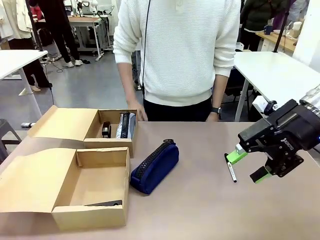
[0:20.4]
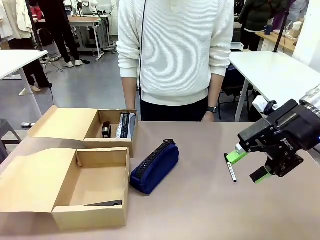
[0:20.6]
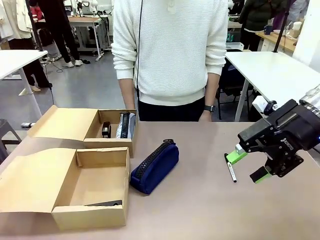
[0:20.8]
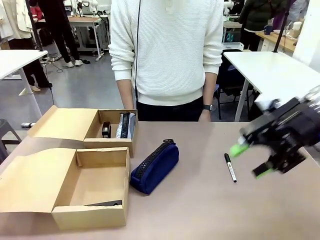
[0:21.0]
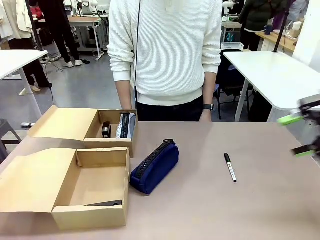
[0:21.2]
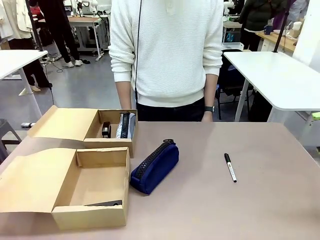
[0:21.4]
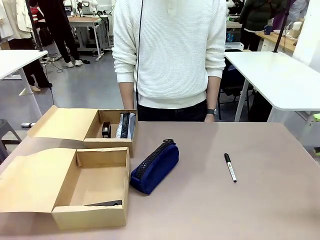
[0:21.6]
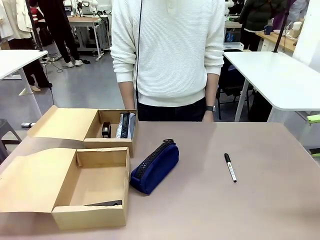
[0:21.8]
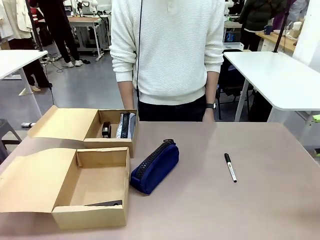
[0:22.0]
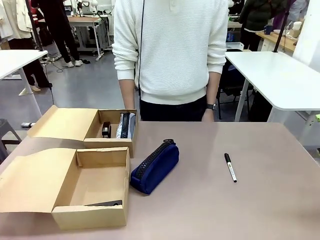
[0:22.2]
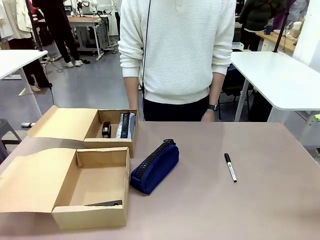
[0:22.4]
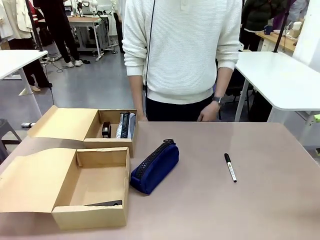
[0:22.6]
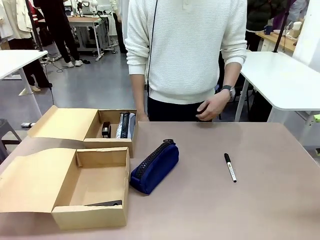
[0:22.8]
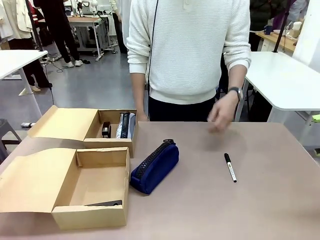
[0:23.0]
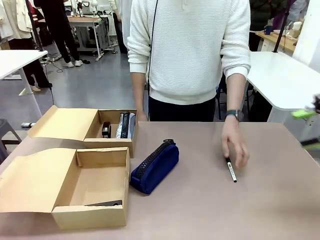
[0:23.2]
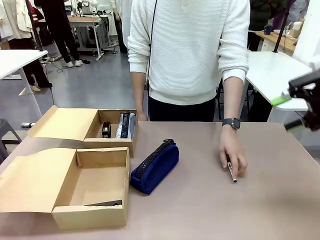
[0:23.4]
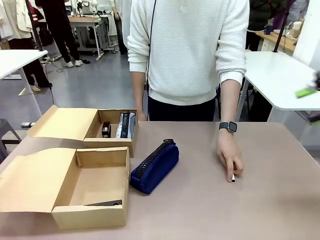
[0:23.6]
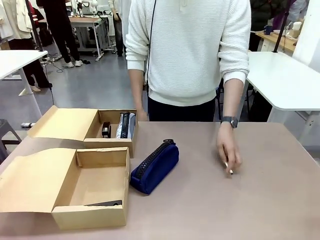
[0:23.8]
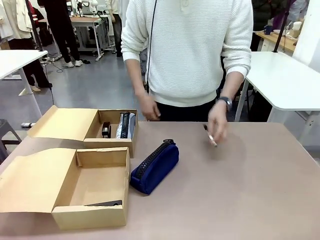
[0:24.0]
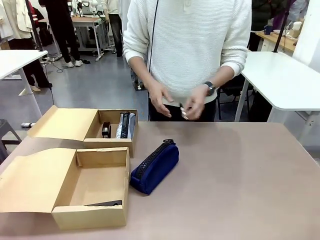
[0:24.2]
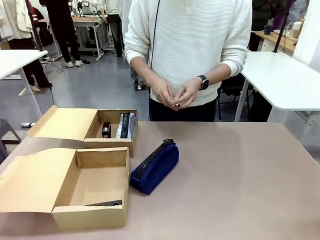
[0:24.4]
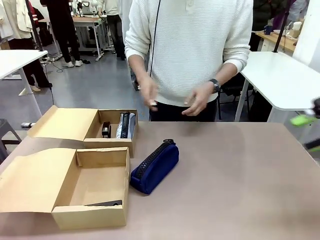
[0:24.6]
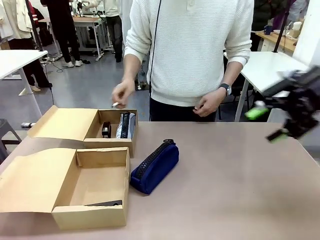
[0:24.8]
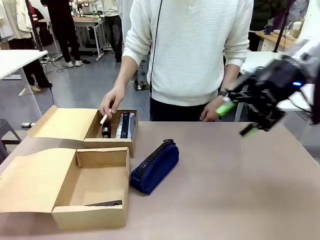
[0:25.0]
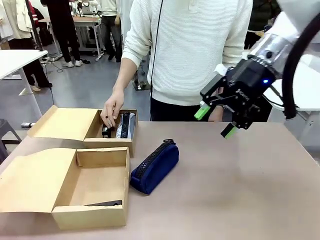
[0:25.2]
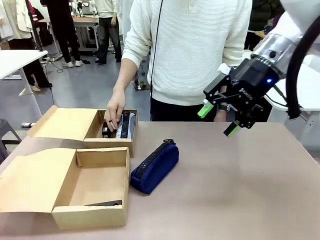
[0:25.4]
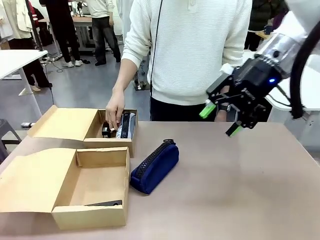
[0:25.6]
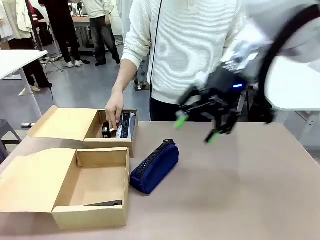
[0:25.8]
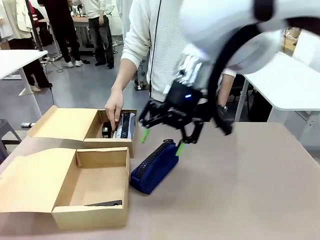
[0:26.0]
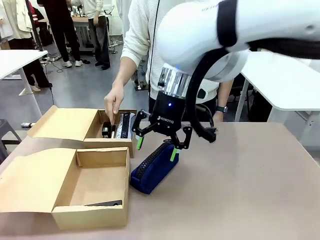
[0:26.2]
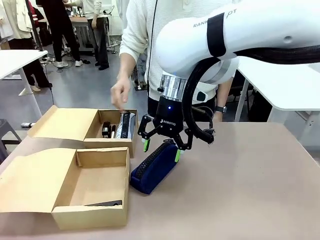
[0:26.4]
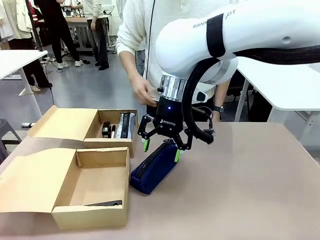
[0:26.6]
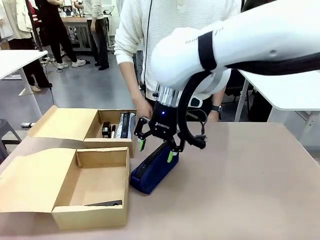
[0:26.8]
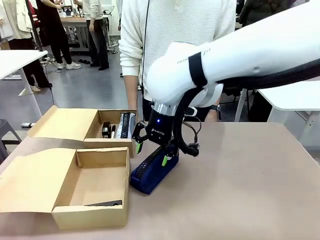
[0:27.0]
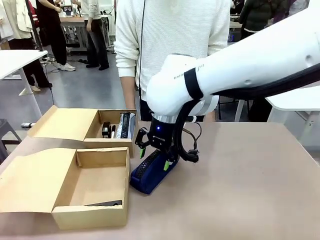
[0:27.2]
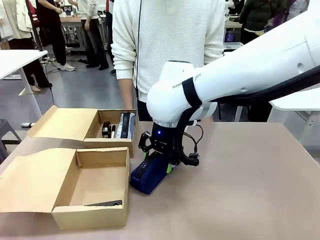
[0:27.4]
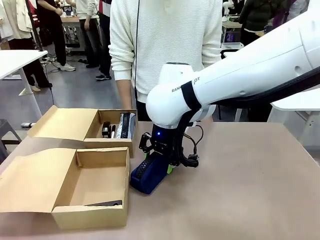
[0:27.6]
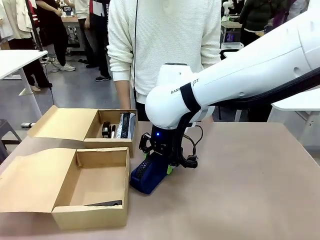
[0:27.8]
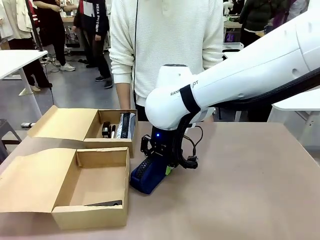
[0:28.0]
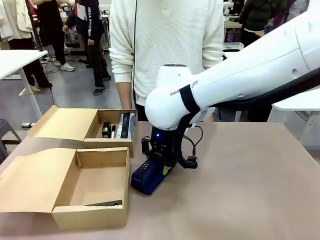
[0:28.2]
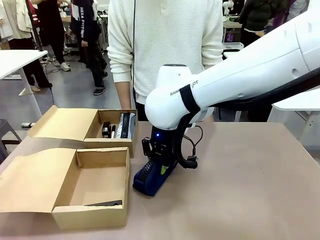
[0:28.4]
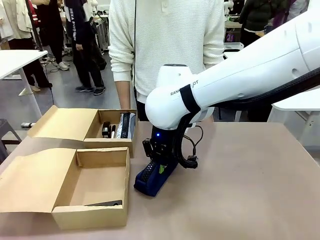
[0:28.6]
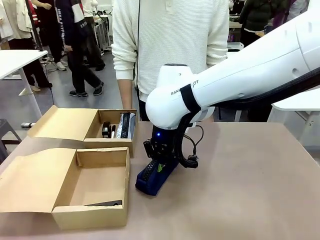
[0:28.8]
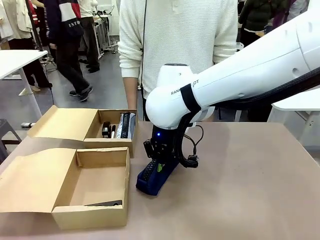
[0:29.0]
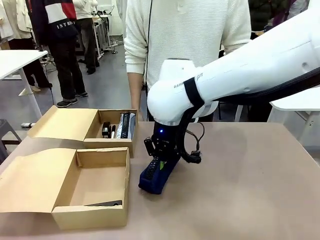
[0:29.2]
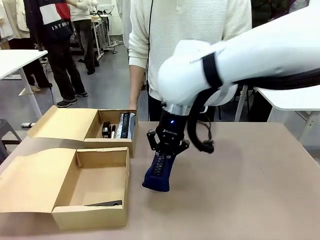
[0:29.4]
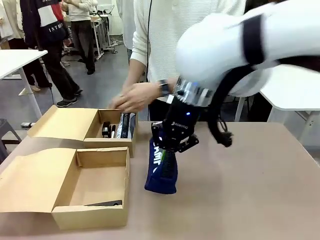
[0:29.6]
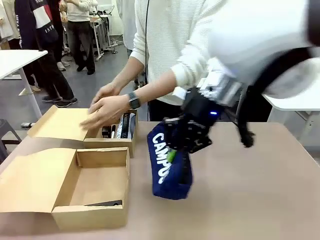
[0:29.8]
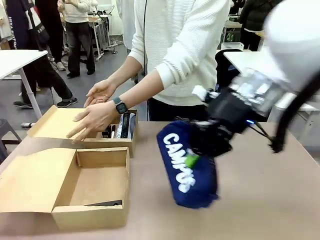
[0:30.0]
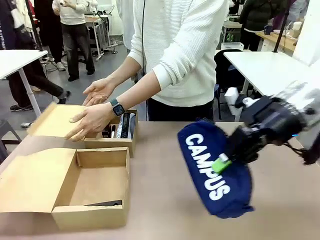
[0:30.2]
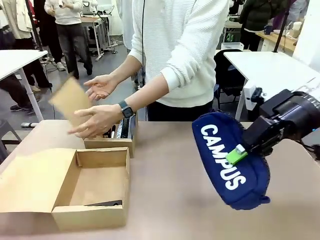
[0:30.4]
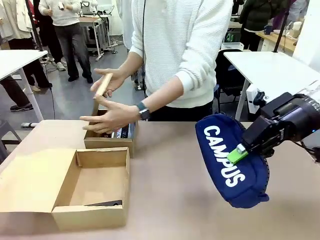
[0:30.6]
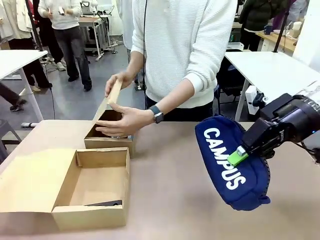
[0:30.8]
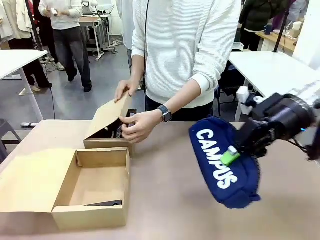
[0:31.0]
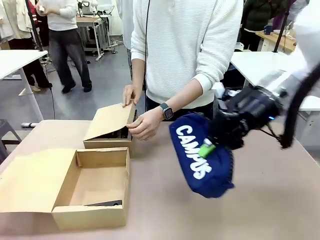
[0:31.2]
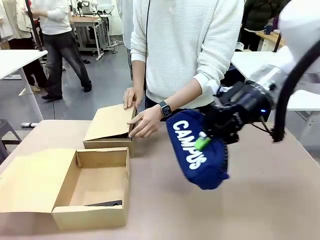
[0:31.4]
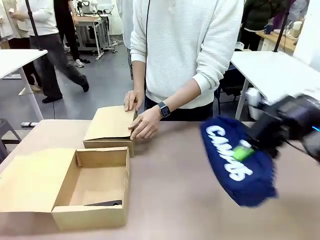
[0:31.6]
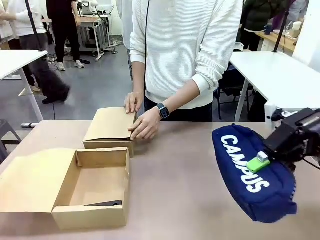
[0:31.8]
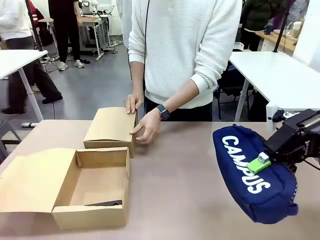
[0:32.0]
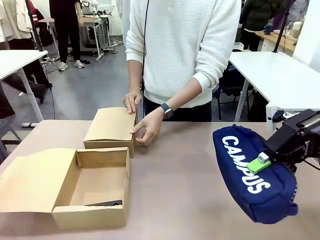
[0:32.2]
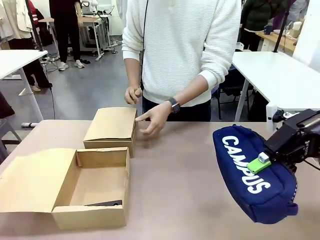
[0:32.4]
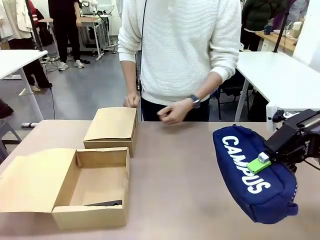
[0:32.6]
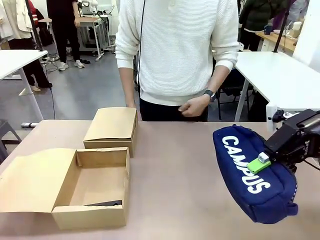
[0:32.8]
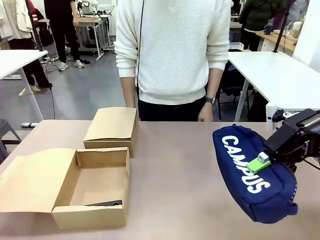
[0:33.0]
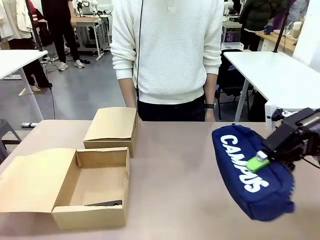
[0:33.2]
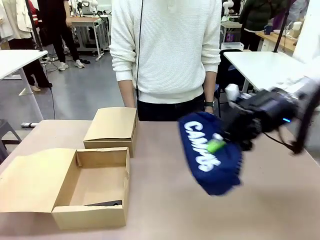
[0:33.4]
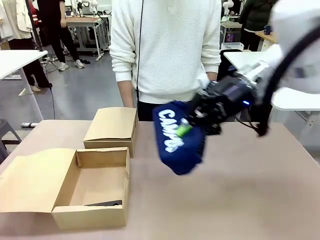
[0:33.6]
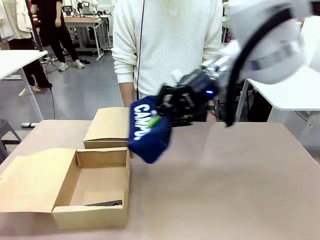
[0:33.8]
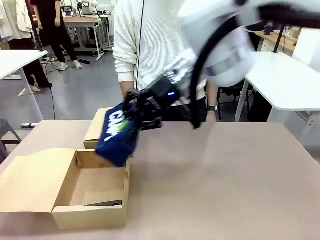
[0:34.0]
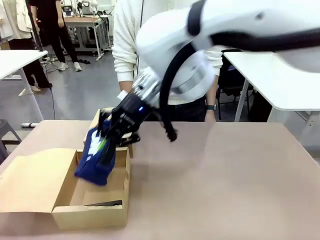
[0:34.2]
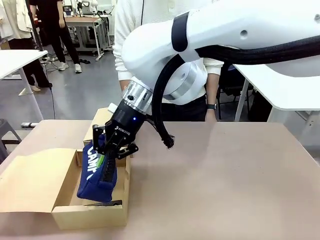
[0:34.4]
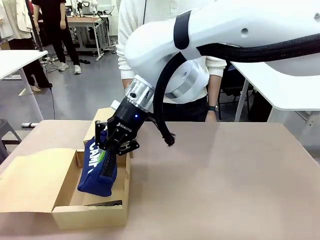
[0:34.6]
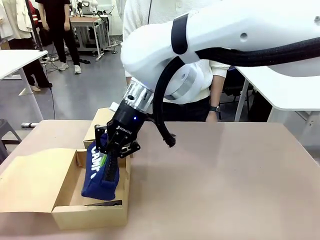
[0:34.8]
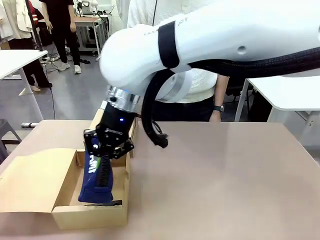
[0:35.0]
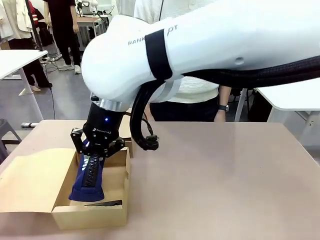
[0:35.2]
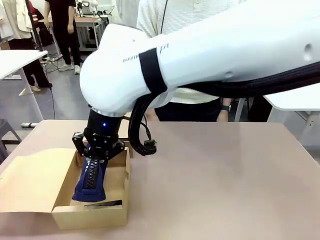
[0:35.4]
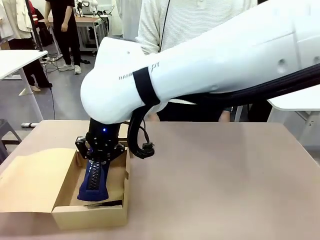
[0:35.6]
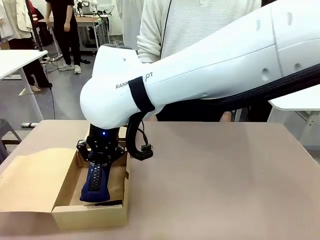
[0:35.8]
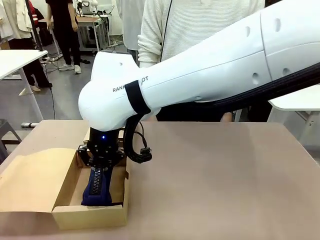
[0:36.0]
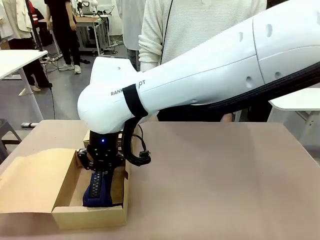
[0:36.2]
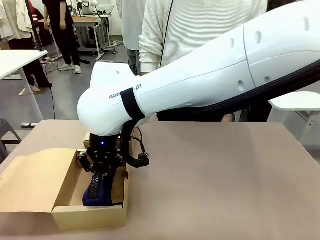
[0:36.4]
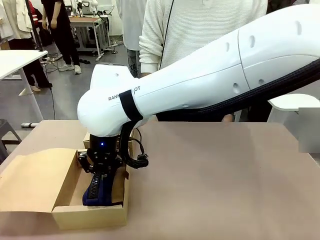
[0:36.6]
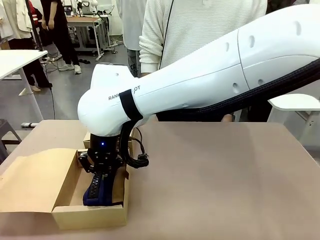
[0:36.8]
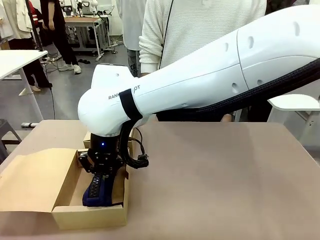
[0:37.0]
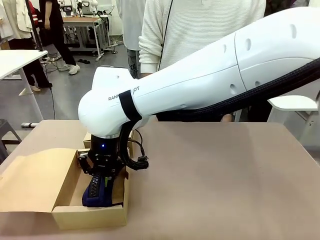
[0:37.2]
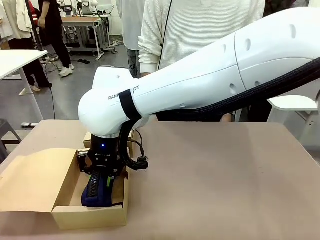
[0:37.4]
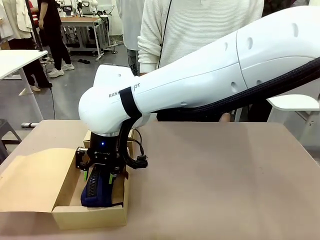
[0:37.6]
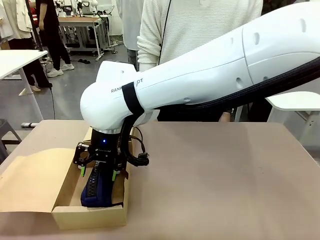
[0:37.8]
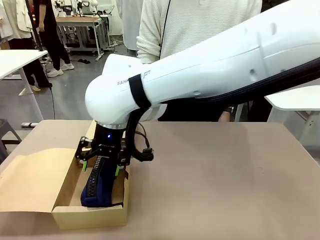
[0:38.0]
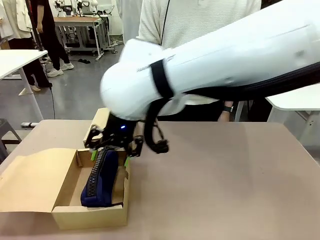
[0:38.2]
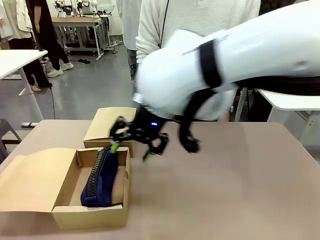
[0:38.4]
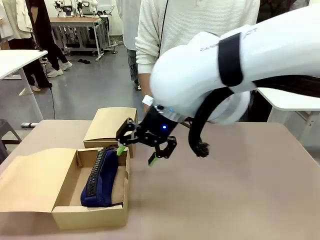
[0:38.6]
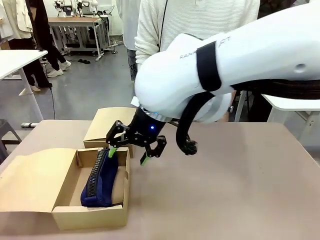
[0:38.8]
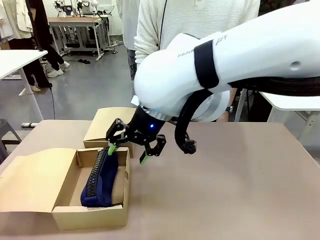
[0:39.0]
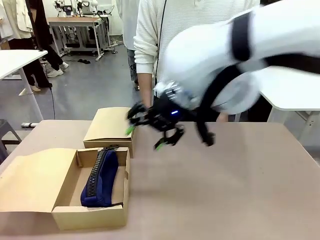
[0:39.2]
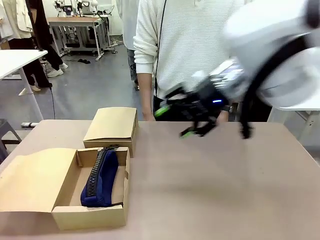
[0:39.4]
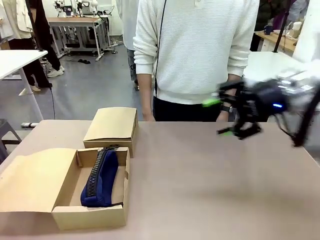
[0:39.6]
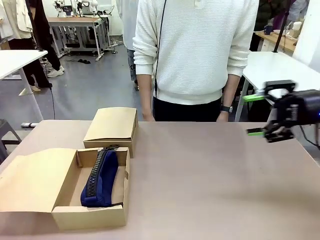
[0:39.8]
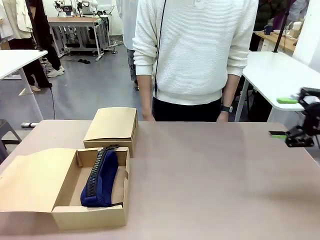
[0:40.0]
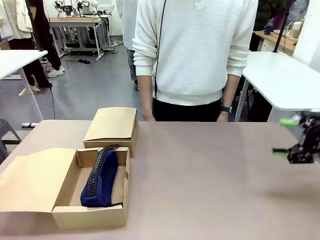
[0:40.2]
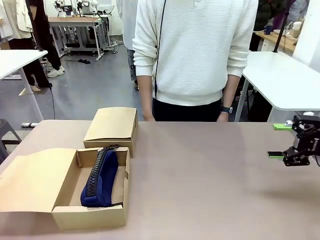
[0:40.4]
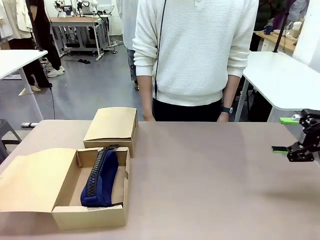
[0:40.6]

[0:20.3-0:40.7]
Task: Place items inside the box.
Robot: Pick up a Pencil pouch or Stapler and place it inside the Mailer Box closest to the robot.
Person: Close the lid of the box facing the person.
